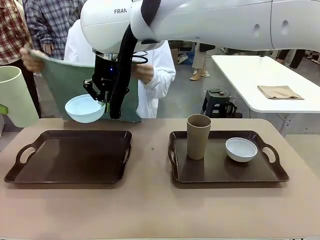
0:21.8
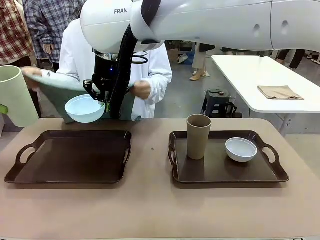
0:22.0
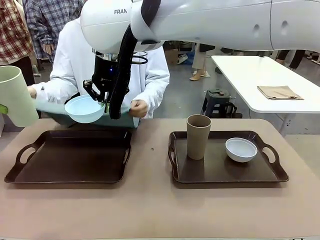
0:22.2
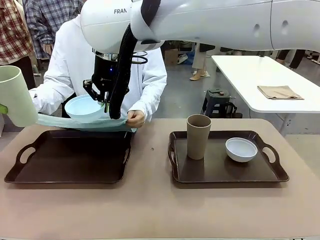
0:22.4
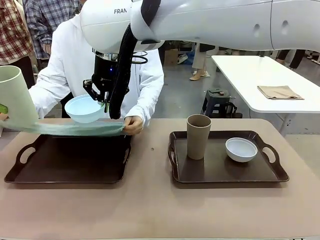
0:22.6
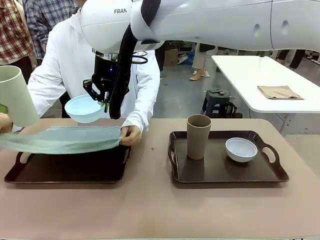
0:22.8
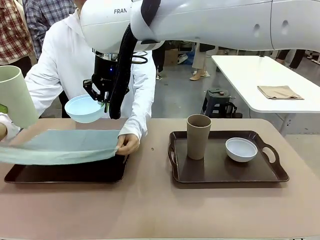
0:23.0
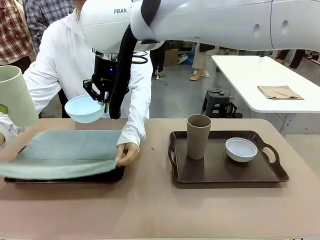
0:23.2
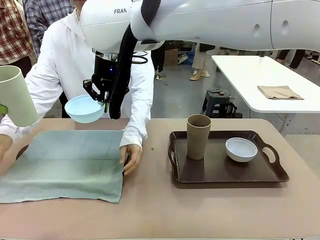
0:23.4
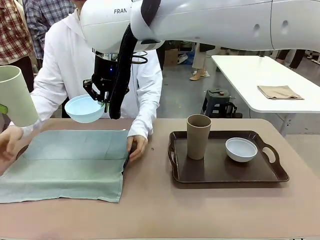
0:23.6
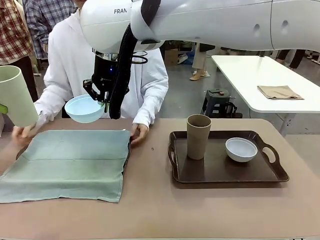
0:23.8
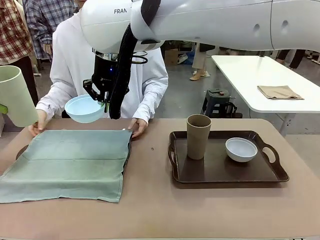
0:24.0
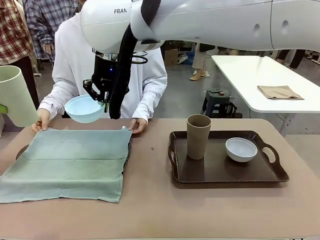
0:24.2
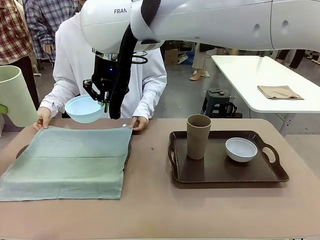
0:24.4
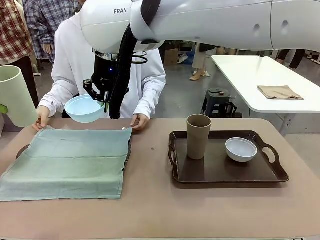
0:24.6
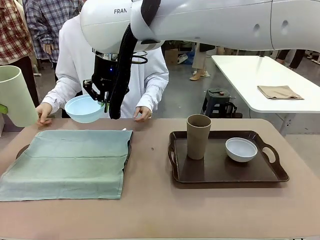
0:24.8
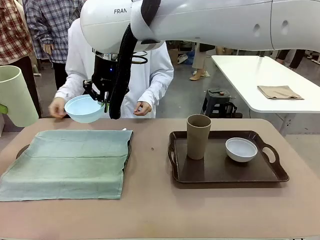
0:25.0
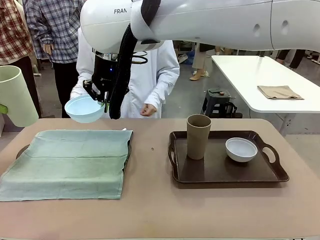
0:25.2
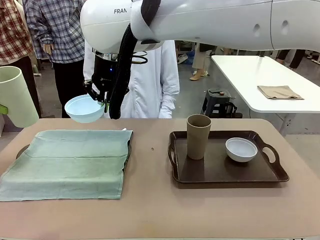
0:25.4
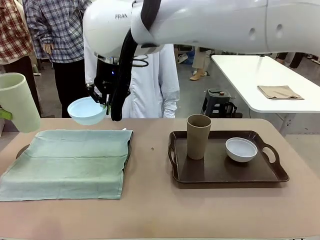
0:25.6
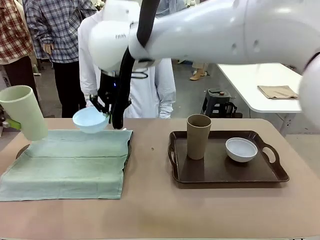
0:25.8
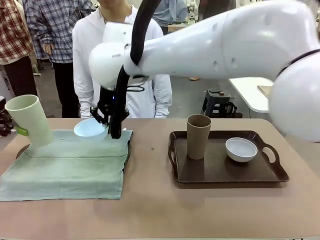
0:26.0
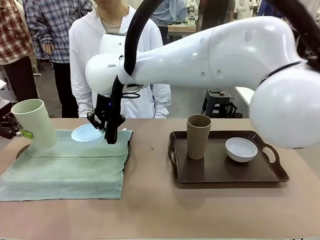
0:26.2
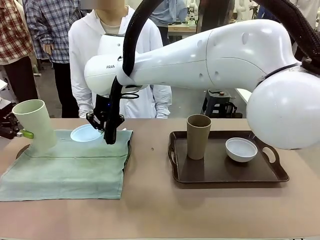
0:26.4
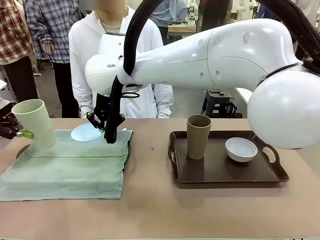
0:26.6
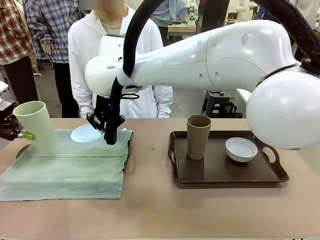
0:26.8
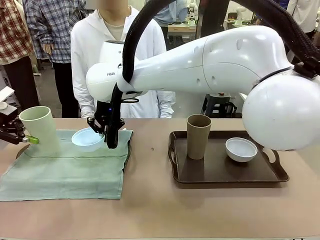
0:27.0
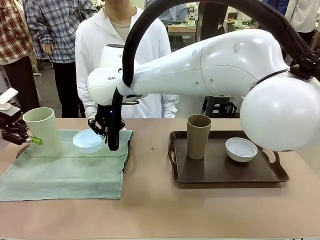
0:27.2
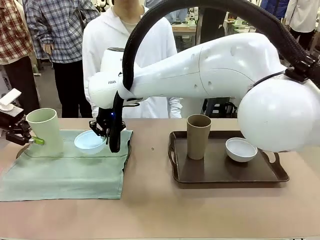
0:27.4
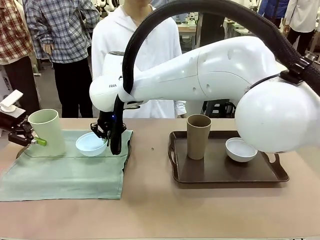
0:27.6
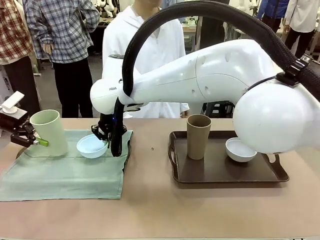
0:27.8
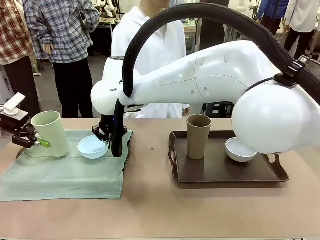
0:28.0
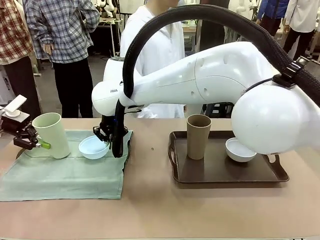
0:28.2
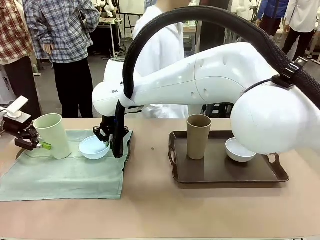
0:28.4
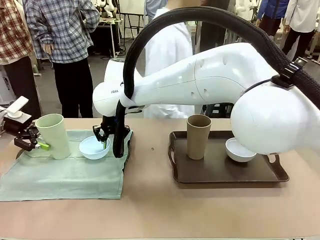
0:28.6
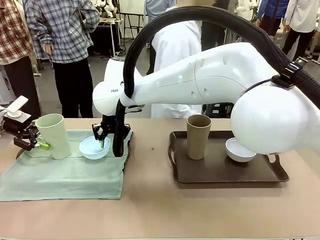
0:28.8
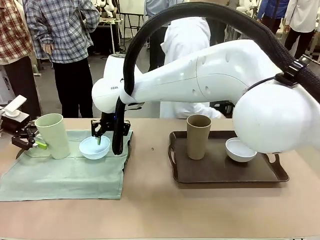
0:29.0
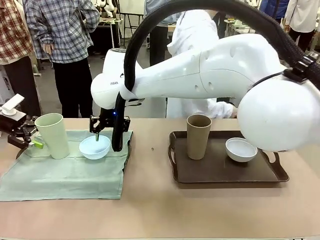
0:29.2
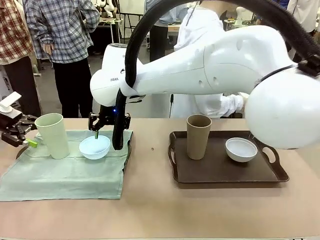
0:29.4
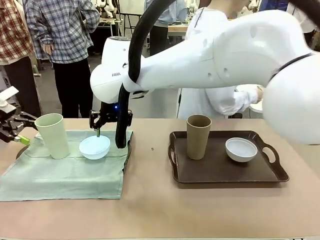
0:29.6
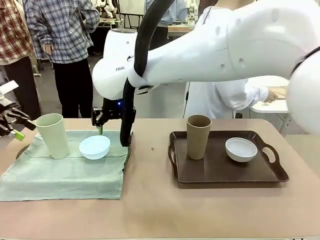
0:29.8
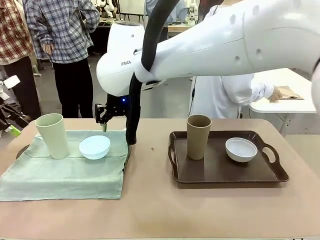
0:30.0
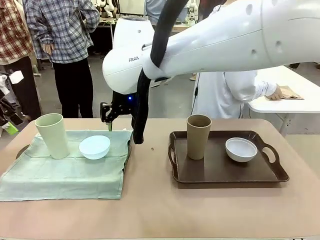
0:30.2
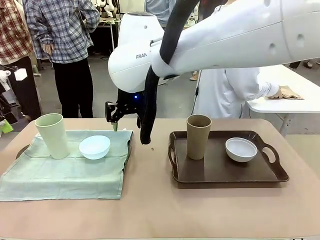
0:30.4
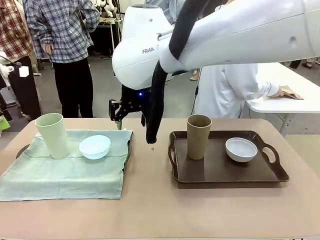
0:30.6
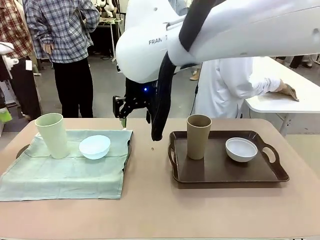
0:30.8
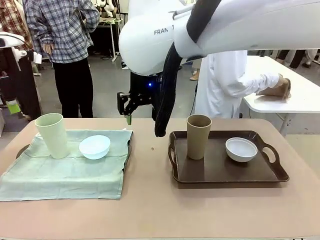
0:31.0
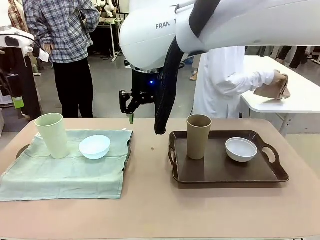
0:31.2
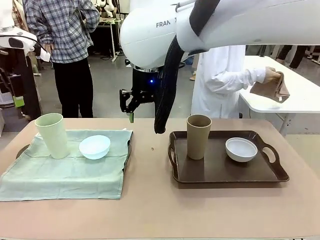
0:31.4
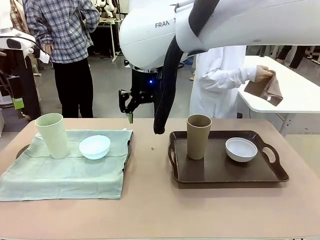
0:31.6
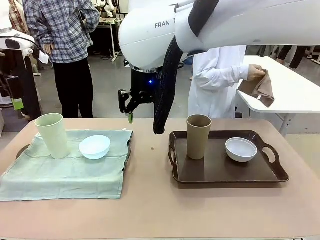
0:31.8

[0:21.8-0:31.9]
Robot: Place the Picnic Bowl and Reusable plastic cup back onto the Handle tray in front of the human's position.
Person: The human returns to the human table to pick up another napkin and walks to the robot table to stand in front of the tray without a napkin.
